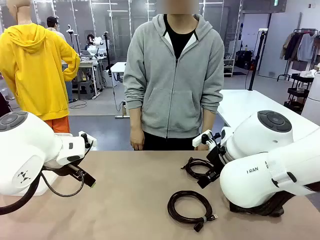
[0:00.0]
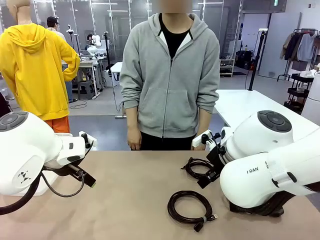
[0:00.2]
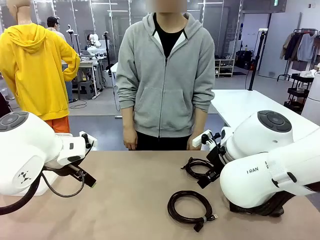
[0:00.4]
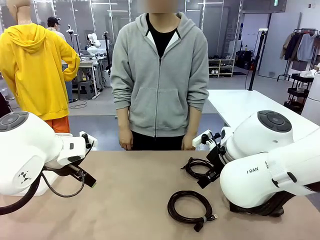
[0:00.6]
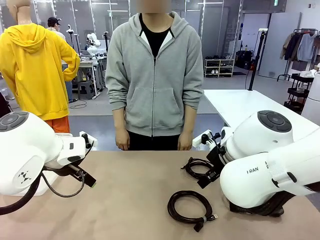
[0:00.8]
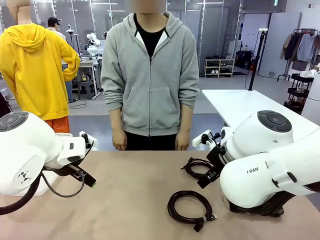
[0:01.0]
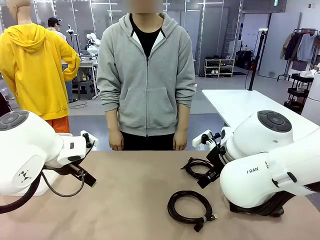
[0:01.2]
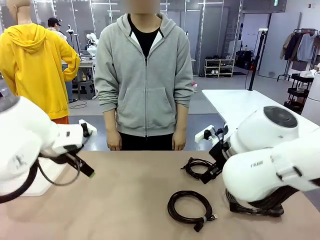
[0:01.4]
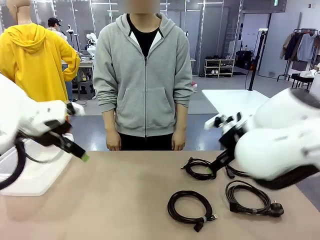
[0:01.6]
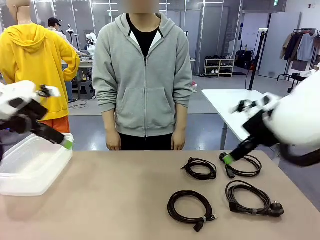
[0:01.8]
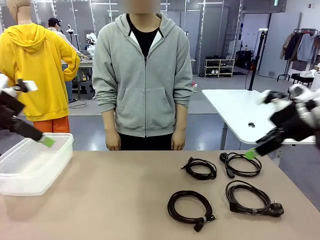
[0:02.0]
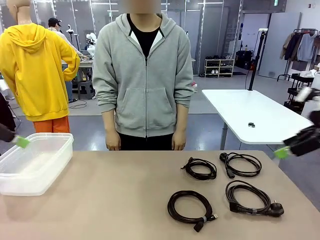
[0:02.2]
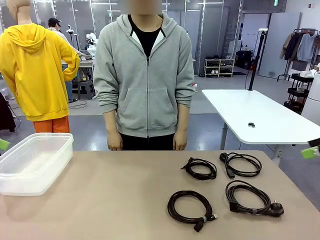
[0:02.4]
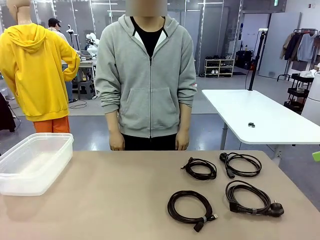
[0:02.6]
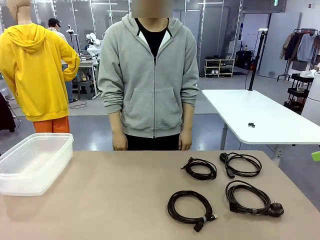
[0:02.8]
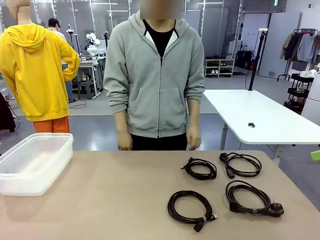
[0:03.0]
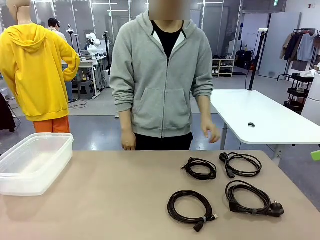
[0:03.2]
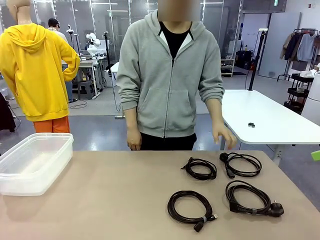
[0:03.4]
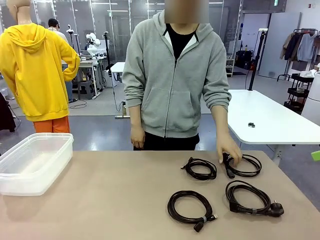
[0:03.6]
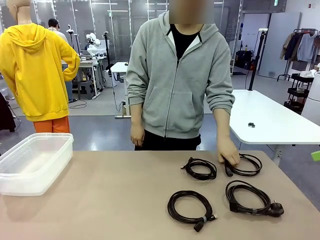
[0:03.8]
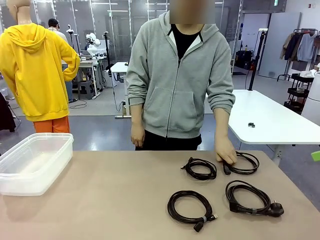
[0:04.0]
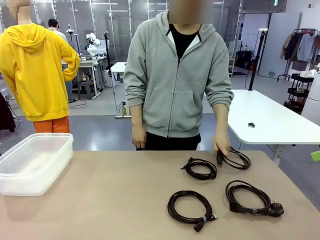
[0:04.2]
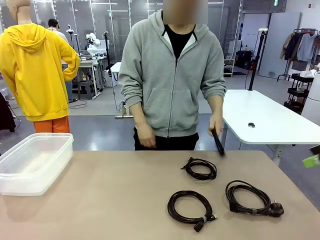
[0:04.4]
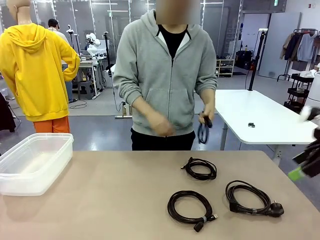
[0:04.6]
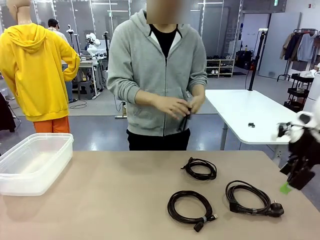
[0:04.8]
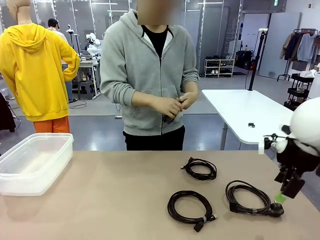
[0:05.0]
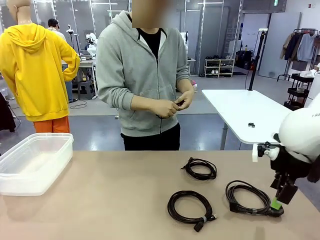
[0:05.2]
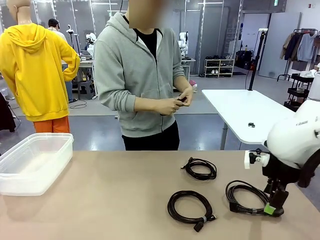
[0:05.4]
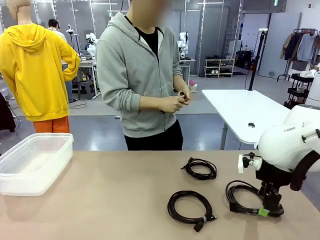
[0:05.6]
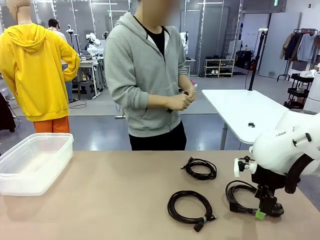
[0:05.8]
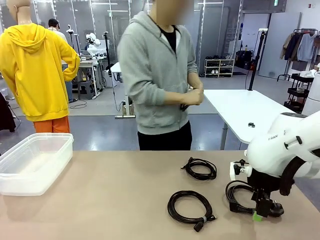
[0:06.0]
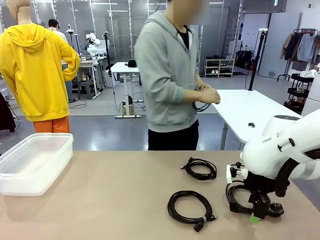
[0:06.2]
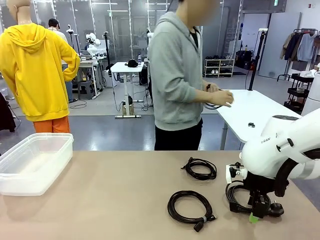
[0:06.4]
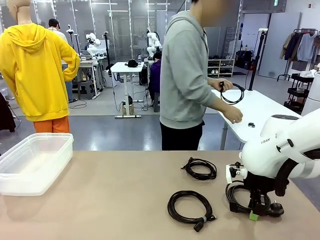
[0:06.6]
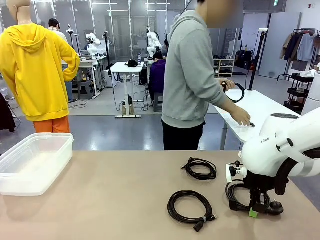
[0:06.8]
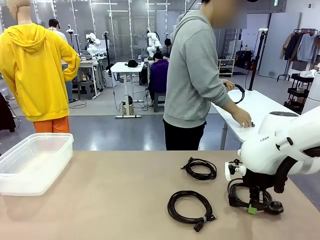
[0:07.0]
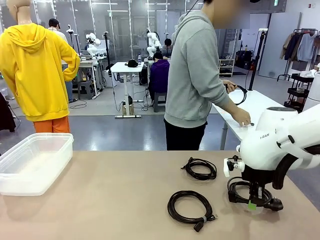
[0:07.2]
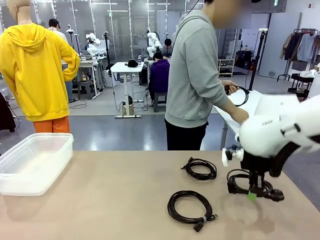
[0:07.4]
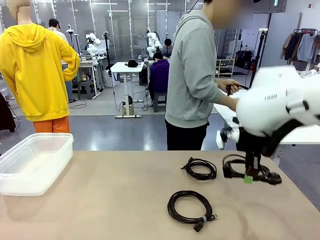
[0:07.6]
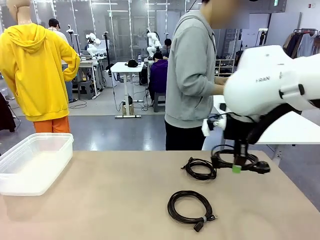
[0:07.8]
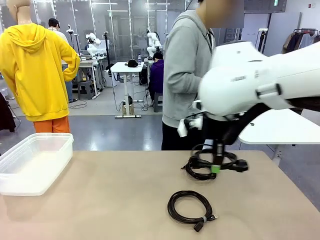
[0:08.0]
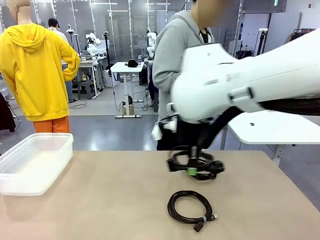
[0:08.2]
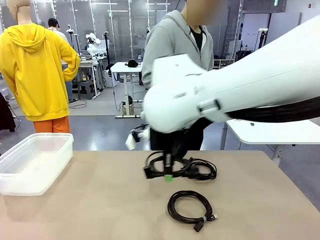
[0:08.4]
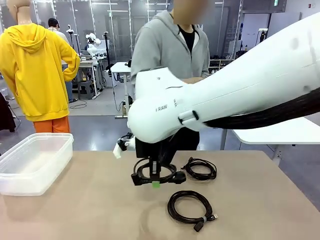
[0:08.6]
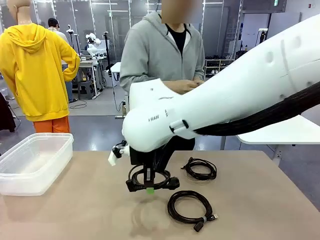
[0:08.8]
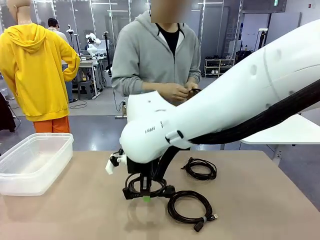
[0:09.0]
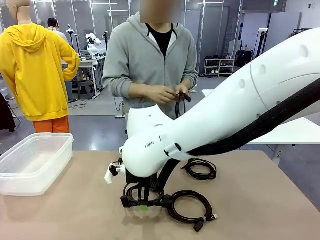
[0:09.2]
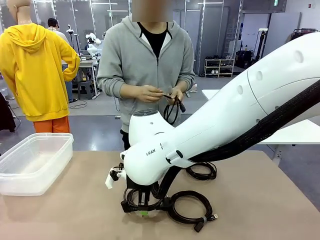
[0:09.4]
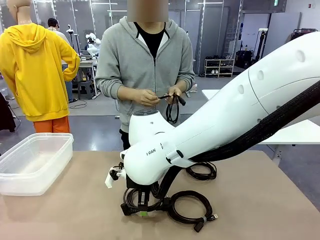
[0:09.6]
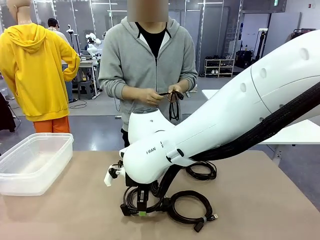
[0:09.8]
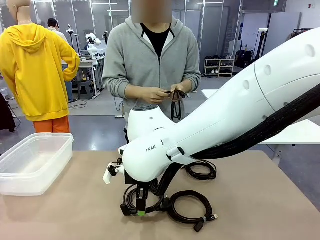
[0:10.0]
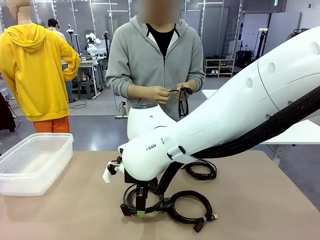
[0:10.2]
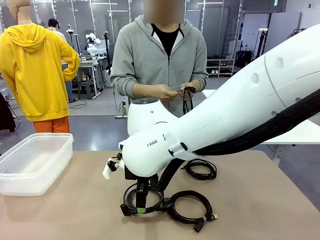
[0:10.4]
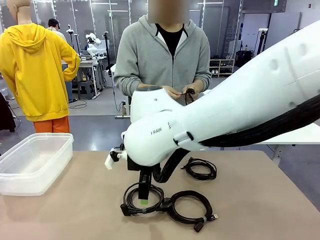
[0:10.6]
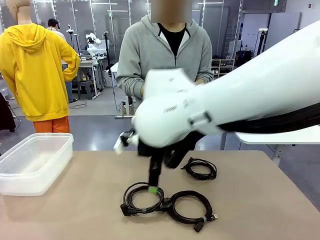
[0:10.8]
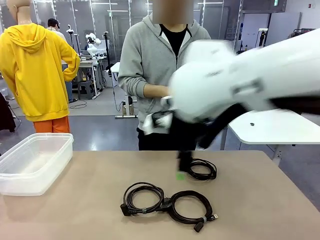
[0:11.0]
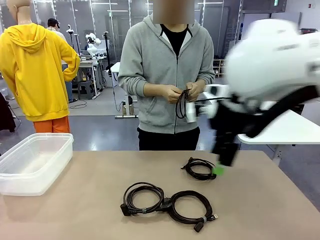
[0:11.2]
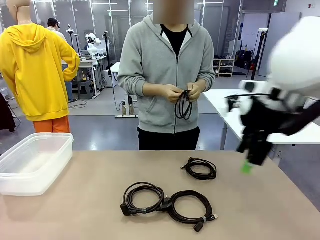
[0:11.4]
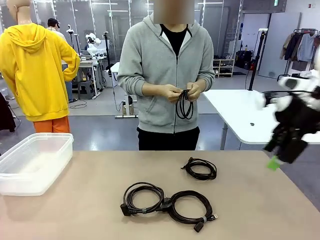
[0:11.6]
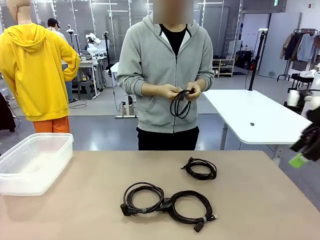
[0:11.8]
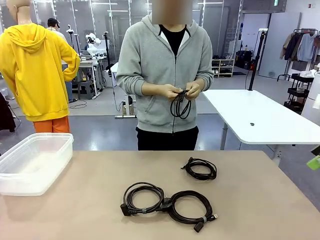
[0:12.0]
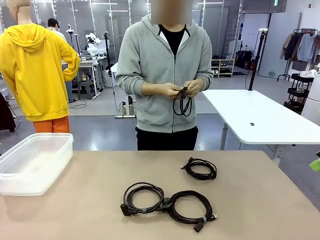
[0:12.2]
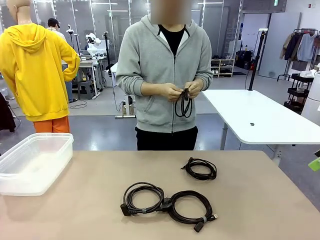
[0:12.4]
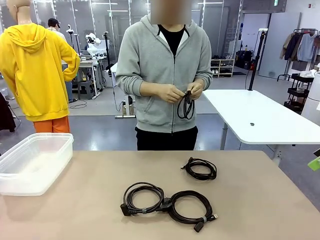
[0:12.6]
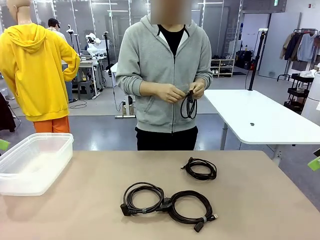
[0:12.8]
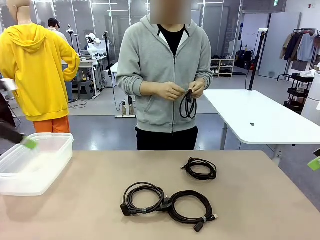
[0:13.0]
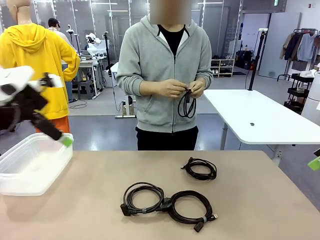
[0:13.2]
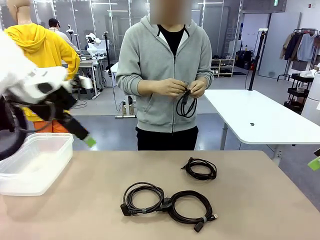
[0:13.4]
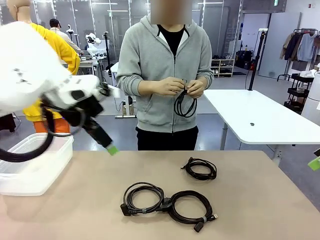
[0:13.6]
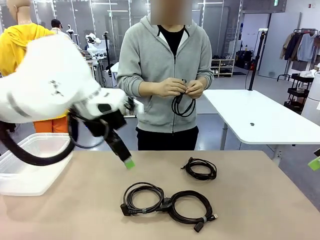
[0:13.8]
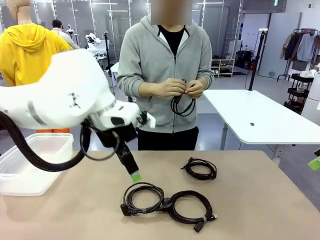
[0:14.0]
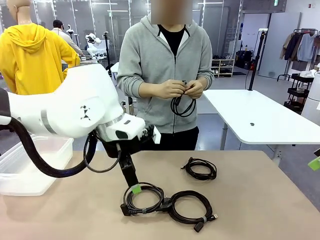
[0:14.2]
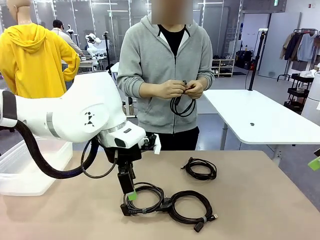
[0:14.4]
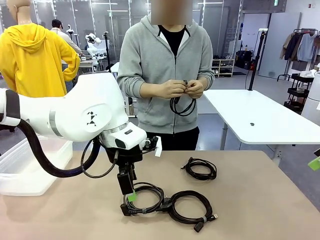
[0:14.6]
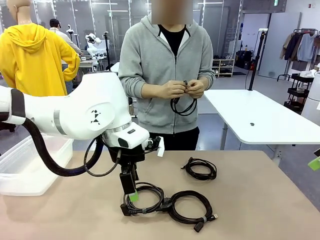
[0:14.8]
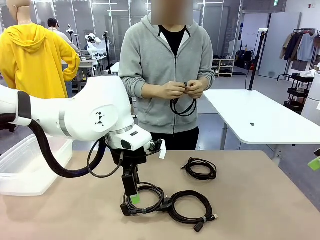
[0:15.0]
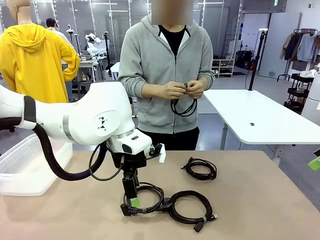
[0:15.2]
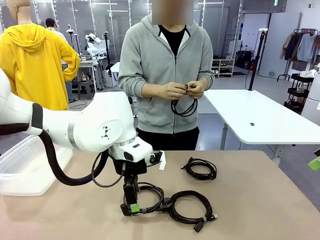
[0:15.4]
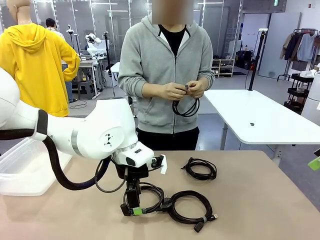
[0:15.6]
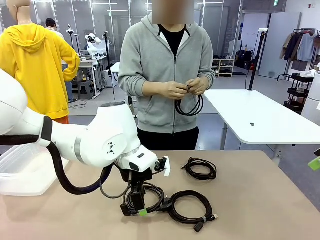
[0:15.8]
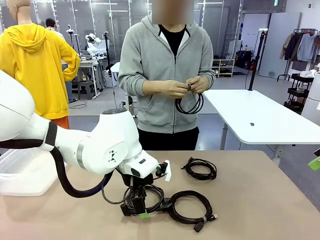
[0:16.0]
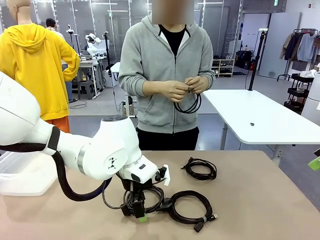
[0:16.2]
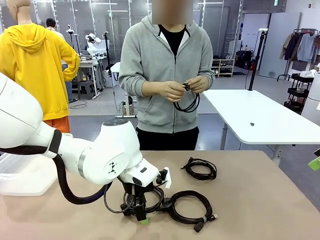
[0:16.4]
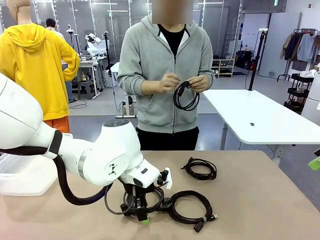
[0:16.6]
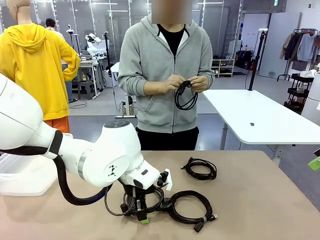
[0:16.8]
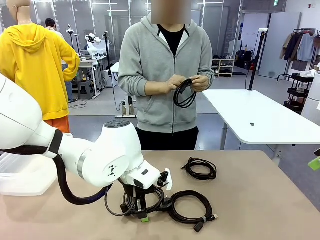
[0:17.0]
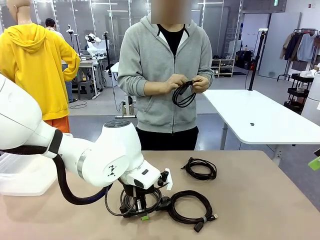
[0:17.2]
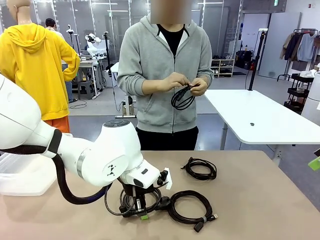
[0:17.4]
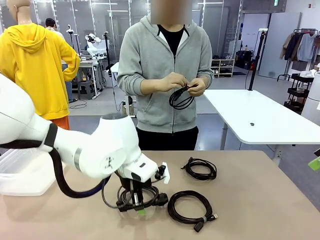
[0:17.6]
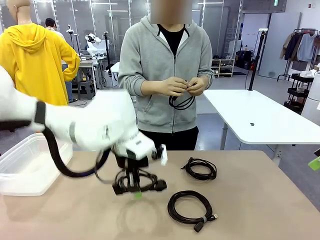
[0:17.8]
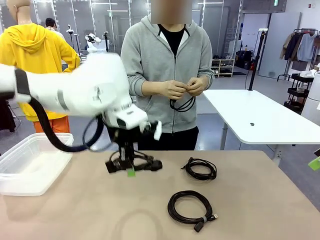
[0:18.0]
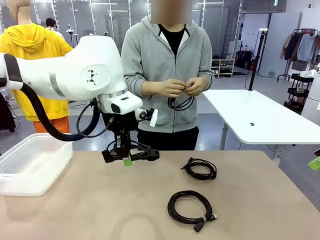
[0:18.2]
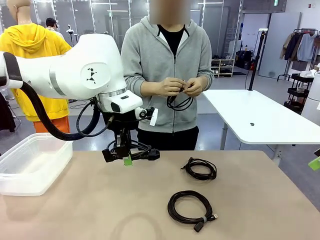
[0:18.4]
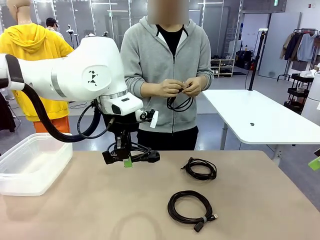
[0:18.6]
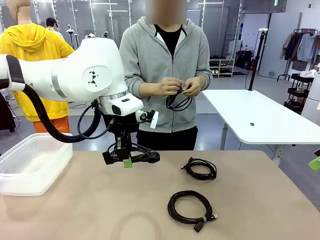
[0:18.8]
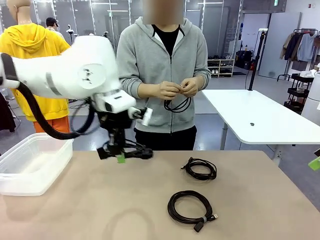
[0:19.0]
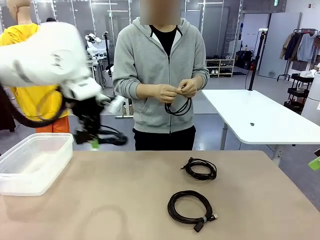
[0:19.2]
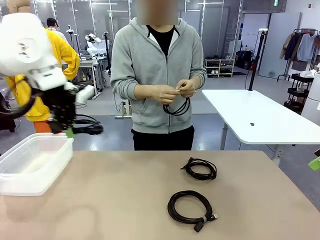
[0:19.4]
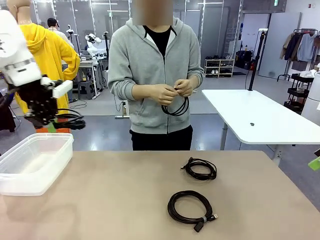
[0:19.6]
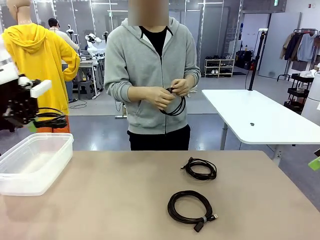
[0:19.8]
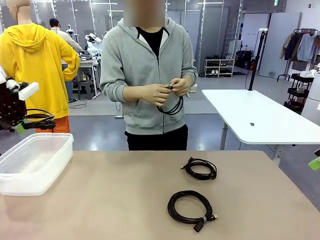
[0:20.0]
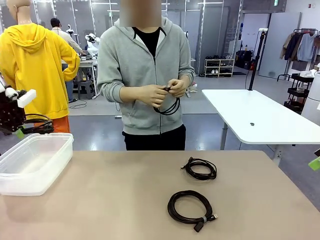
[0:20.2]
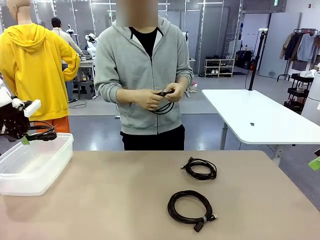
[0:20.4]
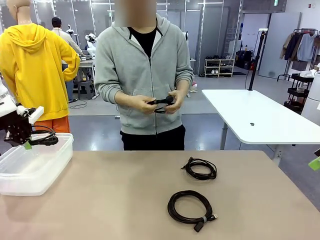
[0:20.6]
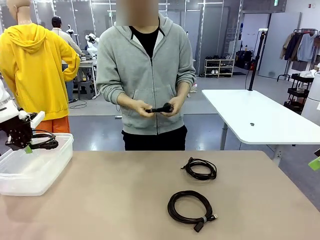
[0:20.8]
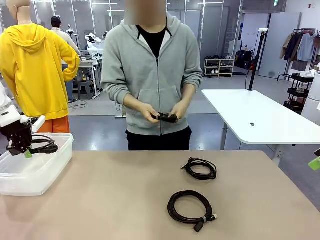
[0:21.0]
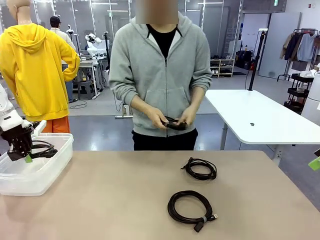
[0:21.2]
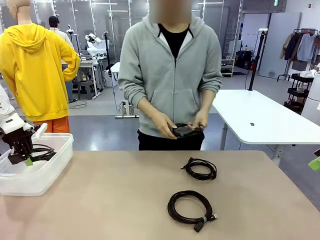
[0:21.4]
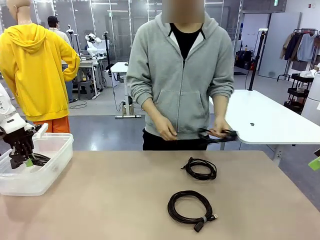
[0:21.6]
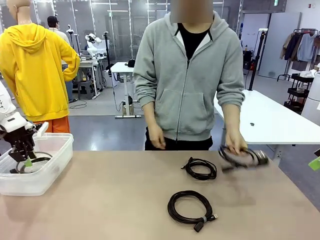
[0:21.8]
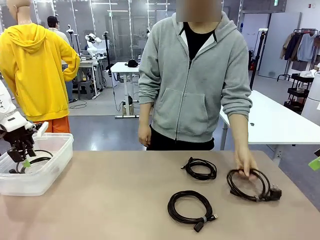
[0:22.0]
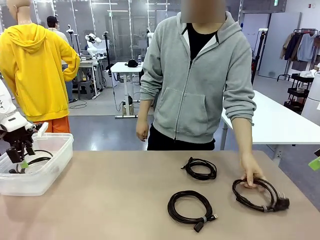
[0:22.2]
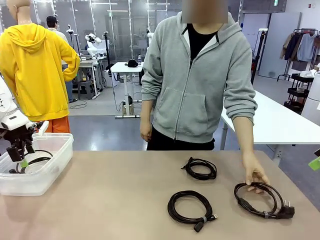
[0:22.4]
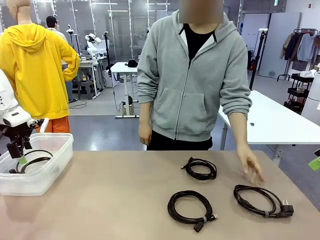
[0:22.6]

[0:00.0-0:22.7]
Task: Organize and store the cables.
Robot: Place the Power Cable into the Organizing box.
Person: Tie one Power Cable with a Reusable Cable Tie.
